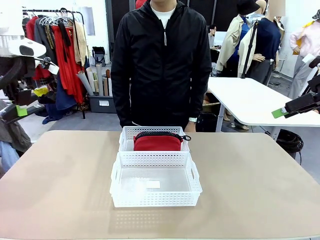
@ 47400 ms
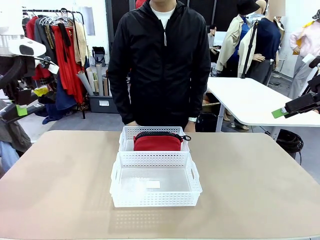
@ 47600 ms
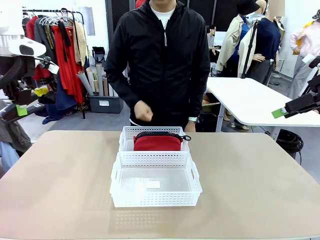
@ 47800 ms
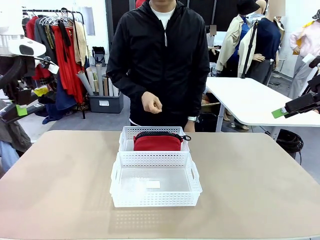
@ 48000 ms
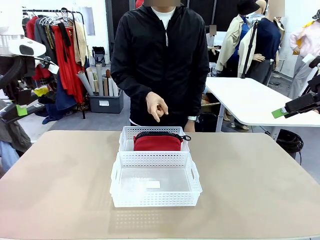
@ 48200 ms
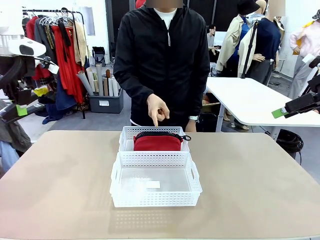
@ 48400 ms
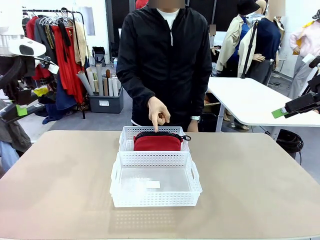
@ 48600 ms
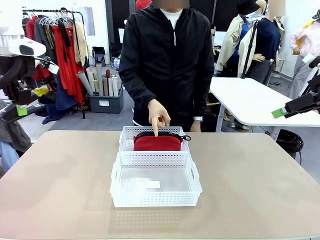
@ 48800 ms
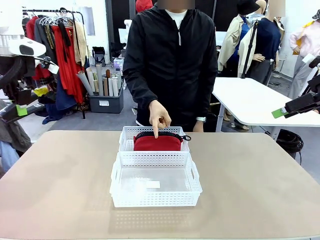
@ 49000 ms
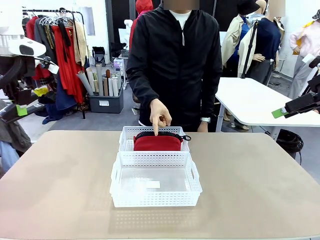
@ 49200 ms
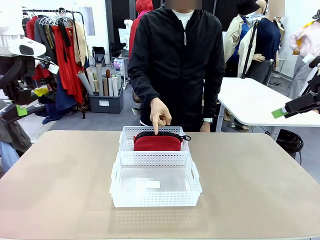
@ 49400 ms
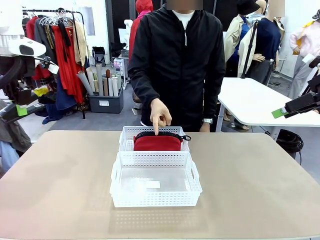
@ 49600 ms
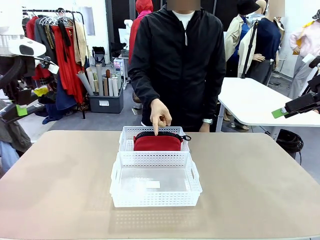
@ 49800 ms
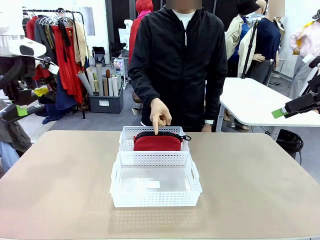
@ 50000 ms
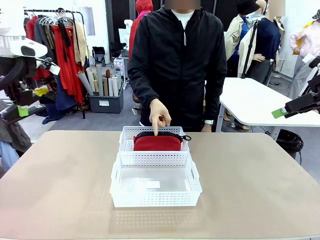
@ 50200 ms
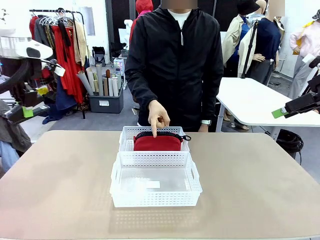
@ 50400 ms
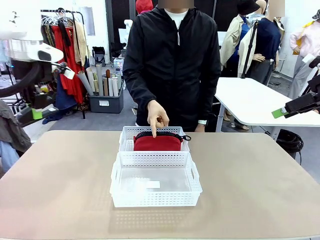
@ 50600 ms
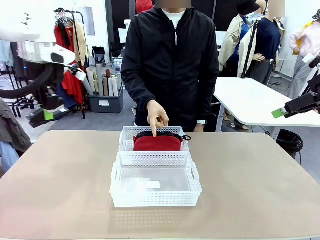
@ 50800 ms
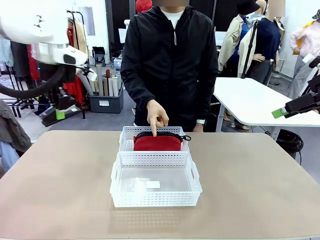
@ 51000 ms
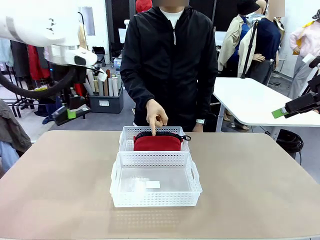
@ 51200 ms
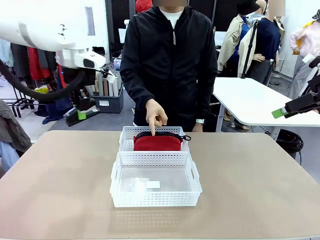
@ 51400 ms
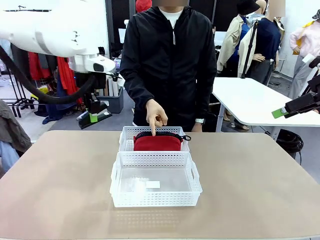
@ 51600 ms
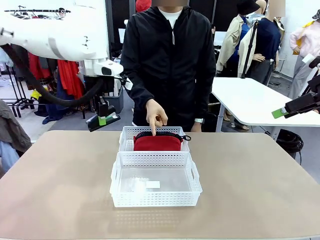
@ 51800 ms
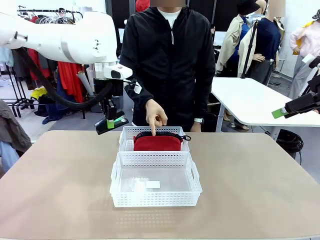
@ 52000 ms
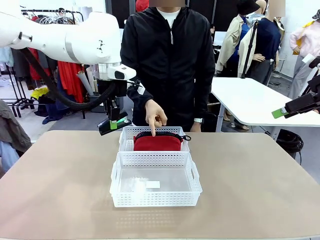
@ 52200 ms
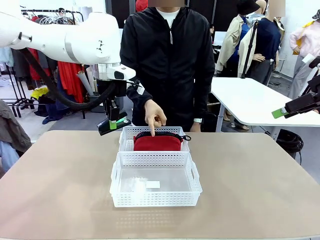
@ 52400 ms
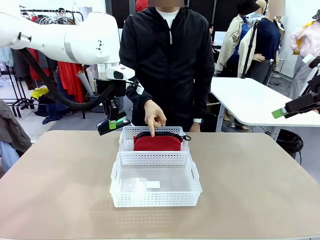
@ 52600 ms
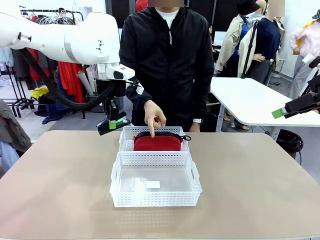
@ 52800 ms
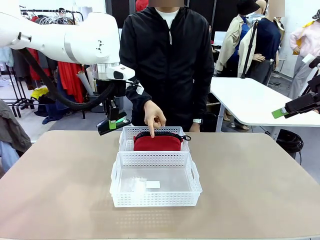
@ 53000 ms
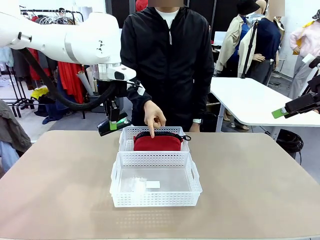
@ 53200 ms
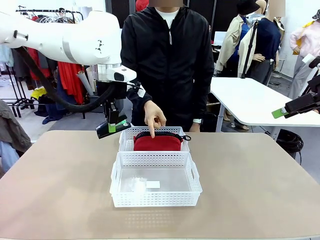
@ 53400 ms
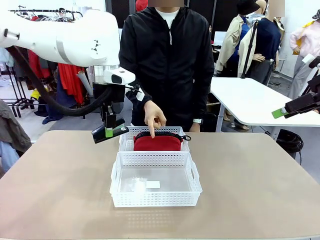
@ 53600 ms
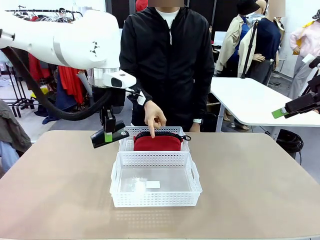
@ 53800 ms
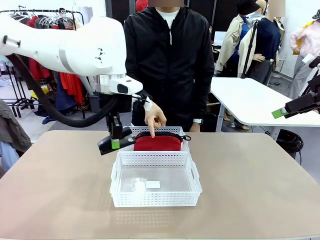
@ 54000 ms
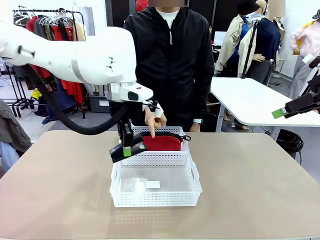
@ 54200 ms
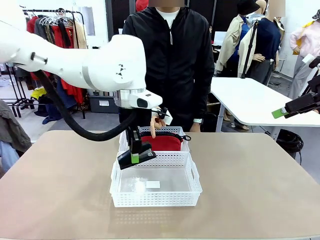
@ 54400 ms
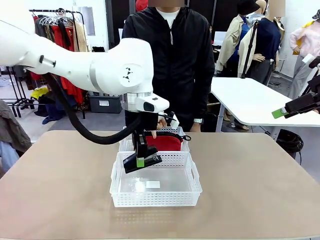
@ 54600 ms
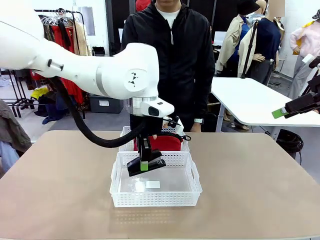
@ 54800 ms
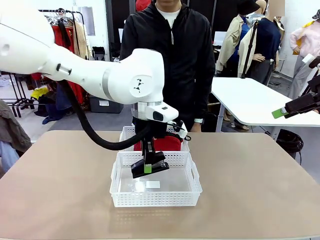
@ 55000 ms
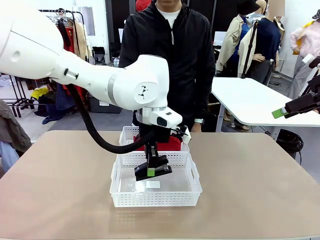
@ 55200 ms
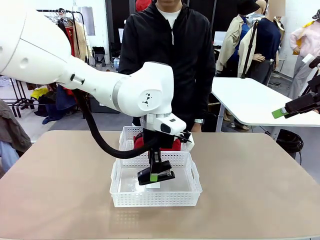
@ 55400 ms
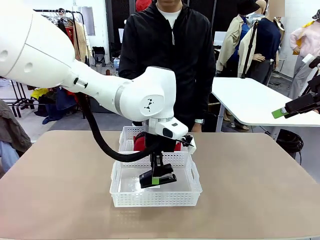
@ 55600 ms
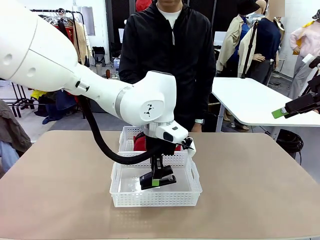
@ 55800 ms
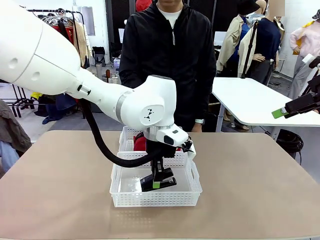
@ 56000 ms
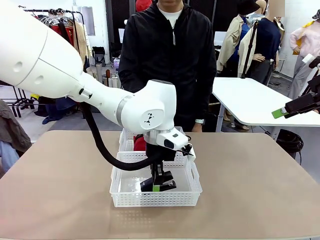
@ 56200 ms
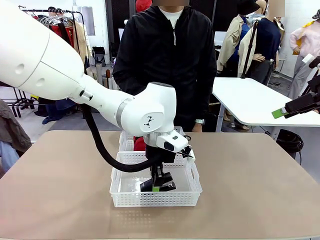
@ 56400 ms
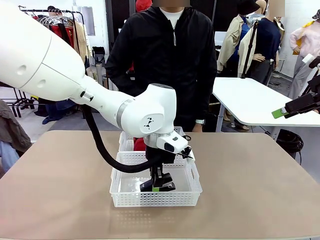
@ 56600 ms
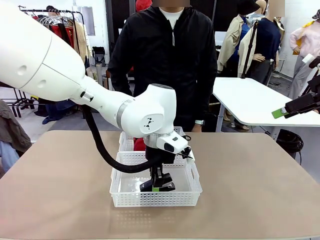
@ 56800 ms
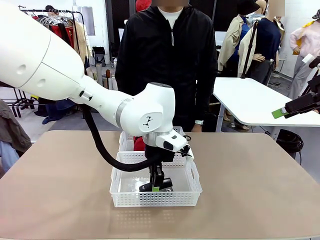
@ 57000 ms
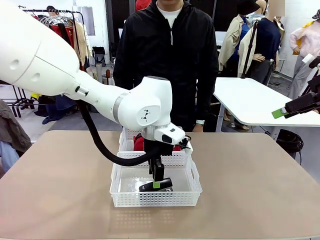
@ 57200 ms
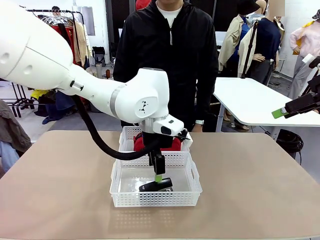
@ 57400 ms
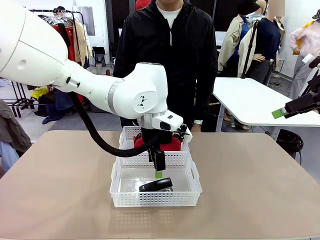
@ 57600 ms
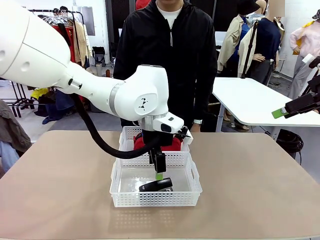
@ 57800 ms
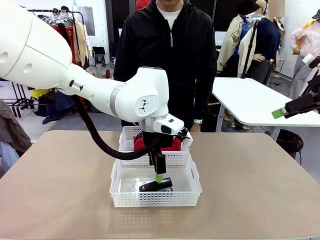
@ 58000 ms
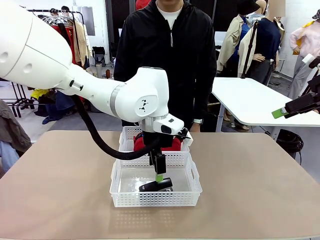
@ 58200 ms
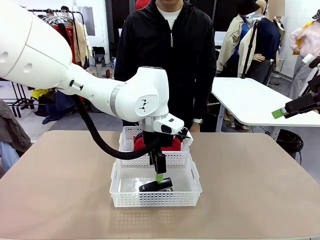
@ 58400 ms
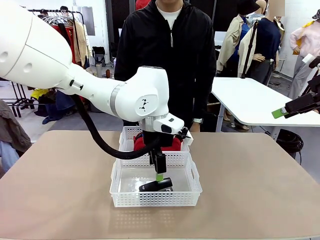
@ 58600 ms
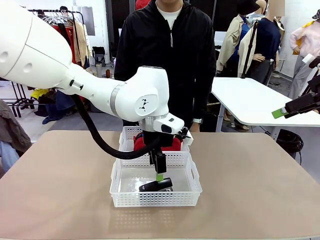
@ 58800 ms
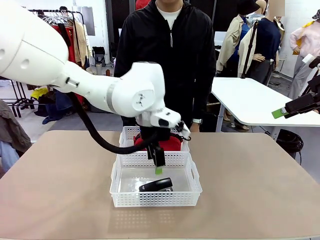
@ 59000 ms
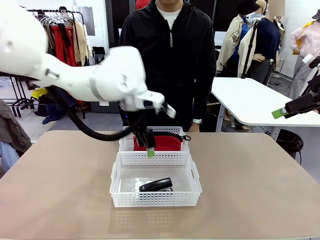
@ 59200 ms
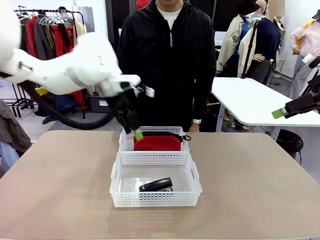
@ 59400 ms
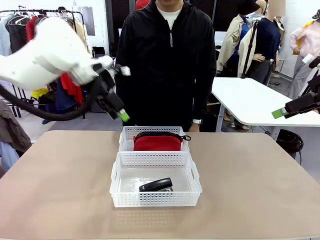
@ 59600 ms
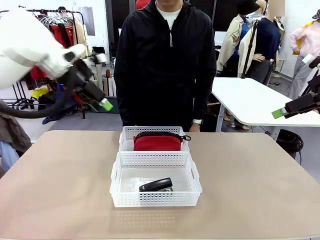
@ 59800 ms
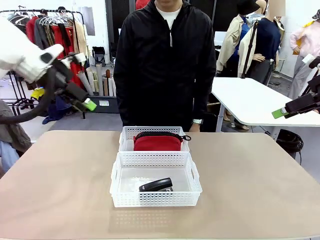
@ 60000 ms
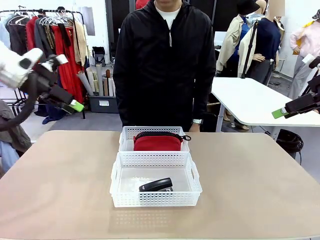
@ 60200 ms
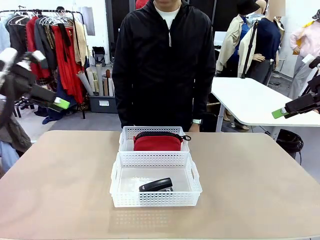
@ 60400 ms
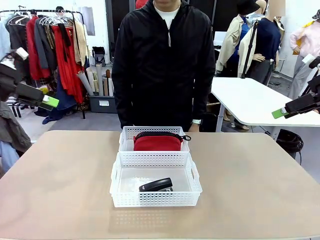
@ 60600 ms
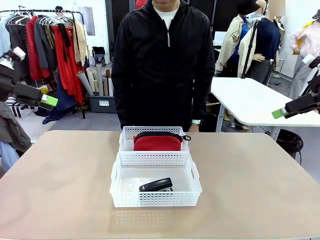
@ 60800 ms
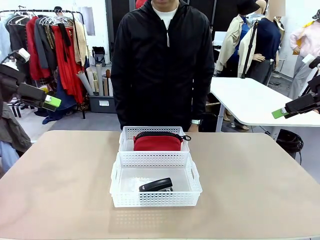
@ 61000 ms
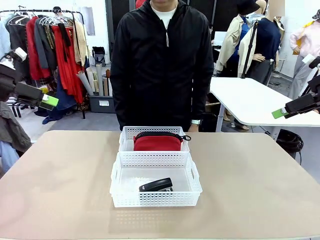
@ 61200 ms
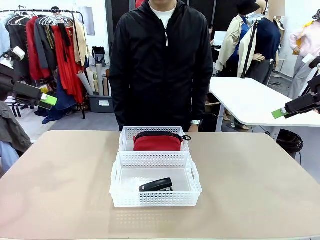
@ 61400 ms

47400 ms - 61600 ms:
Task: Distribute items into two baskets.
Robot: Place the picked Stapler into the Organizing basket as instructed by the person.
Person: Points to the basket that does not contain the pencil case and instructs the robot to move the stapler there.

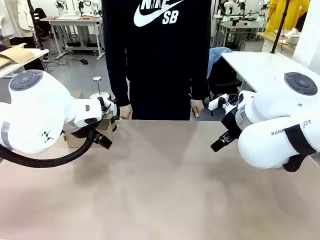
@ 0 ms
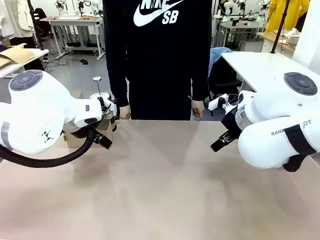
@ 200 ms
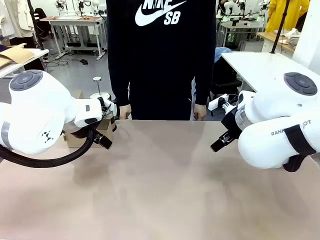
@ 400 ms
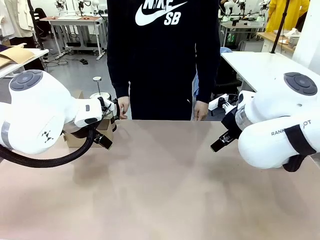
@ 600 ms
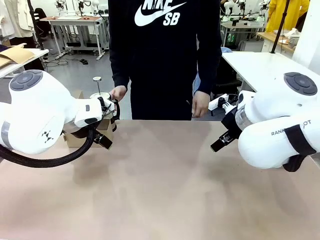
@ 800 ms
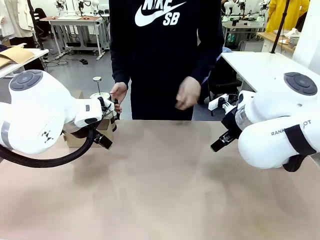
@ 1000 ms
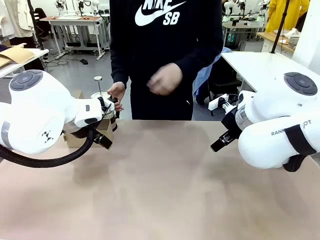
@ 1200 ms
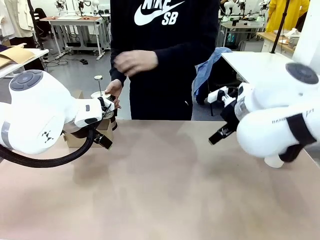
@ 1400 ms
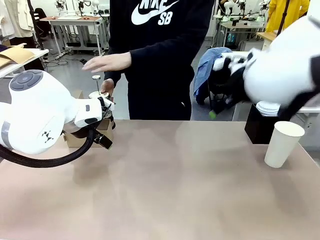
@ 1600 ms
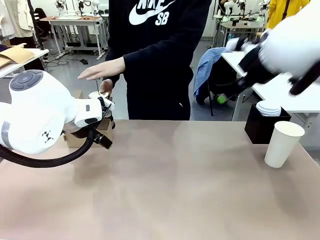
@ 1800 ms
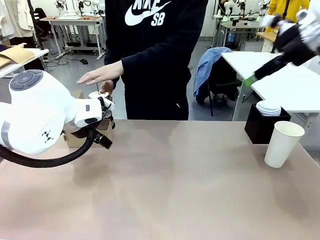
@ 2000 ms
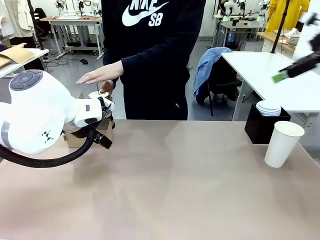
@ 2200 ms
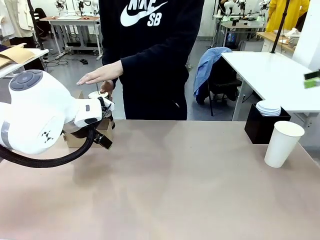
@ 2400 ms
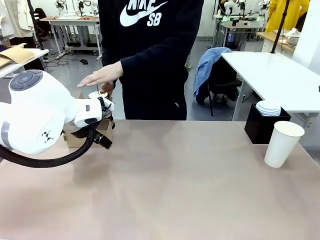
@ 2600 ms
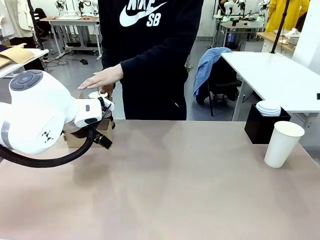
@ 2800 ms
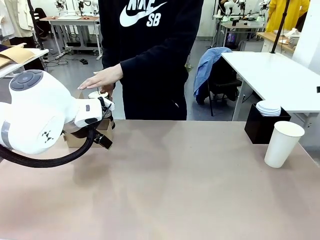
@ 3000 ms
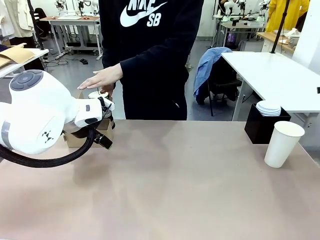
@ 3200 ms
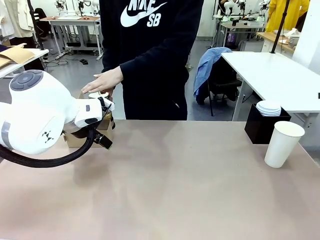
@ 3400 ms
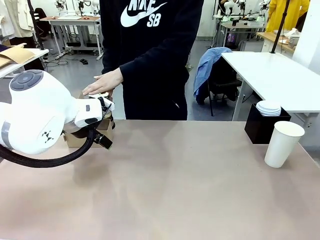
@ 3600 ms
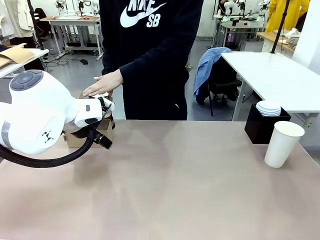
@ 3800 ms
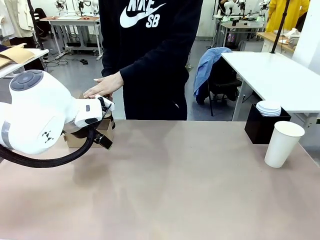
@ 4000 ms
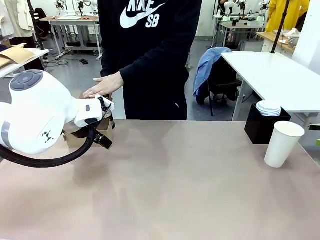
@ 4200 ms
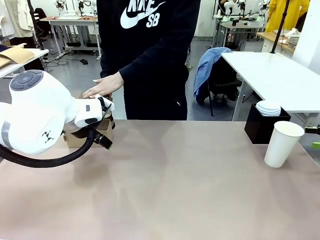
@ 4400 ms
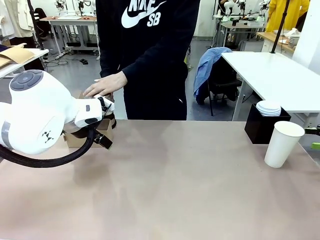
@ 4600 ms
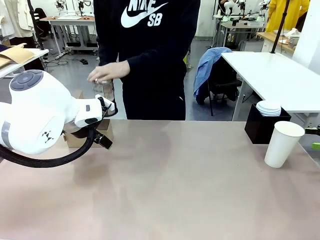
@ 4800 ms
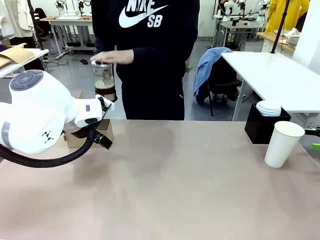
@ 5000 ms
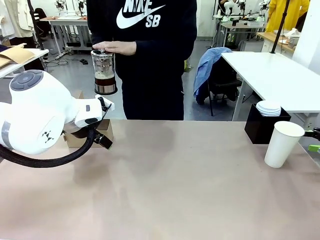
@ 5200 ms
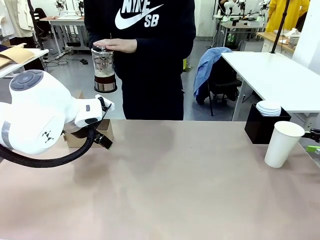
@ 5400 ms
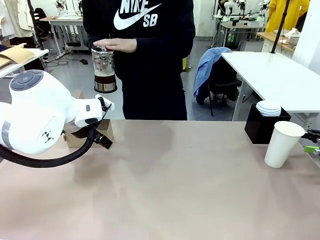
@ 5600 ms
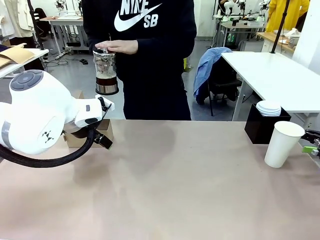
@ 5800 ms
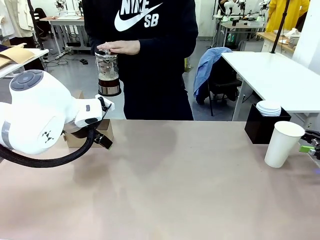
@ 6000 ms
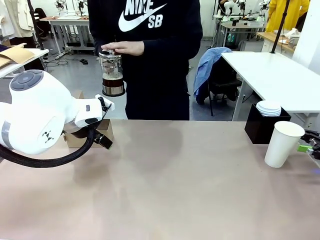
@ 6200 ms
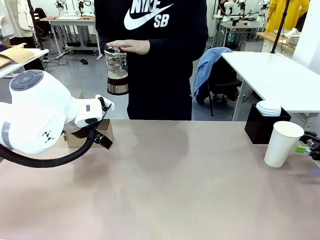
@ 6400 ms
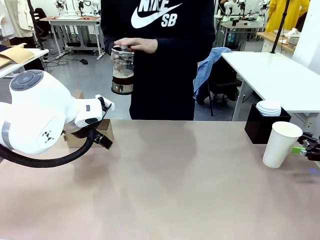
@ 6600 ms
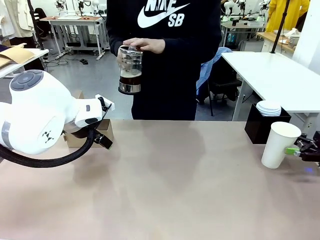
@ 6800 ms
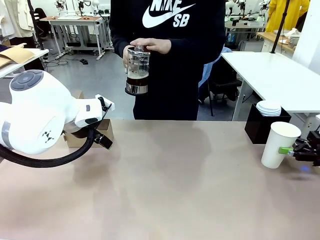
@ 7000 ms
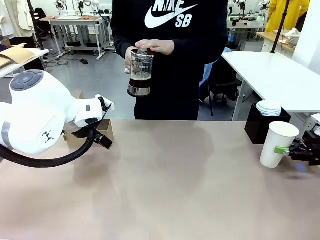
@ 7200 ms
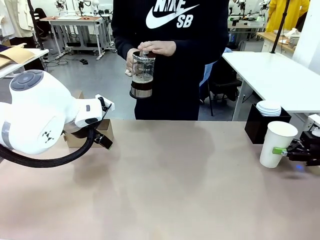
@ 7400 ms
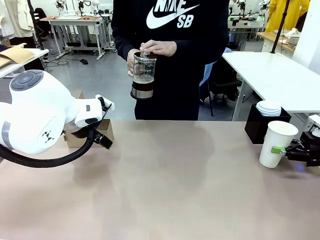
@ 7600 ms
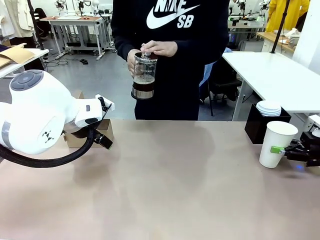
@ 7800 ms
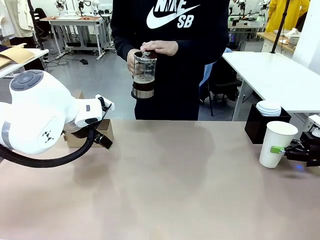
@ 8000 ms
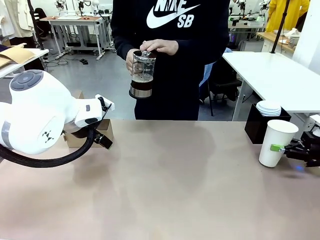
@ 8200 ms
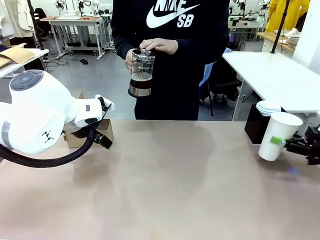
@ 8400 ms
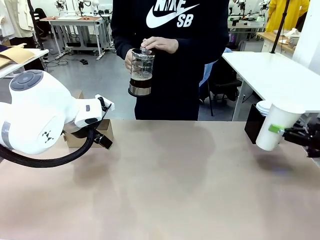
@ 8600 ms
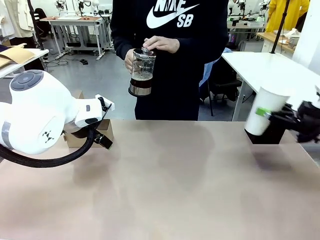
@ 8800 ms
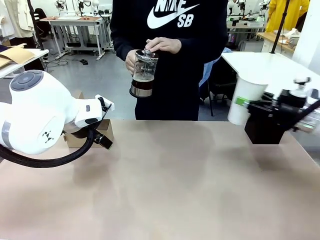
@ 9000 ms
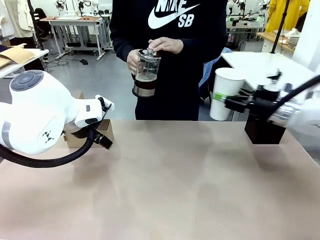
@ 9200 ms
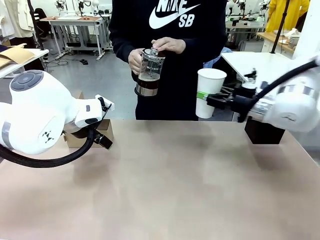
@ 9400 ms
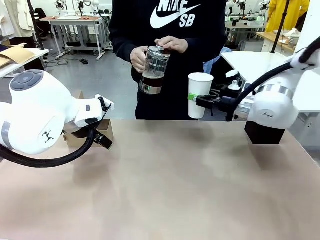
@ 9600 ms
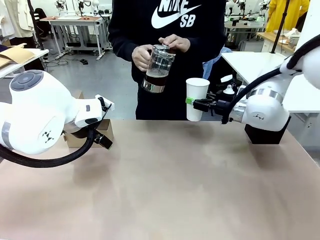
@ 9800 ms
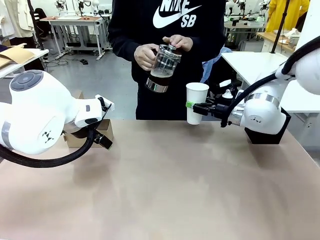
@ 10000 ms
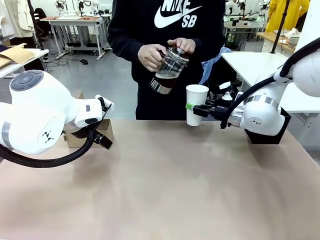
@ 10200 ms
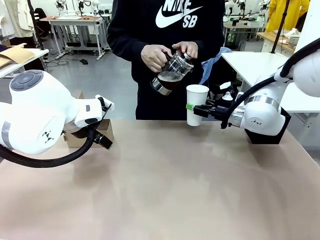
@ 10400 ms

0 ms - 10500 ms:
Task: Pour a drink into a cup and package it in a carrier.
Robot: Pick up the 600 ml Paper Cup and place it in the middle top area of the table.
Person: Press and pick up the Filter Brewing. Pour the drink from the Filter Brewing into the 600 ml Paper Cup.
